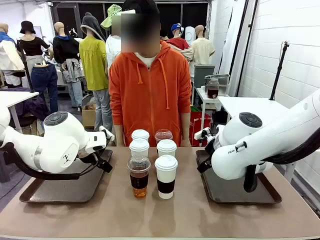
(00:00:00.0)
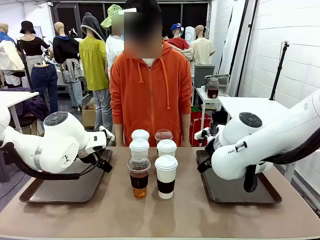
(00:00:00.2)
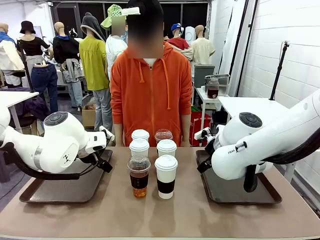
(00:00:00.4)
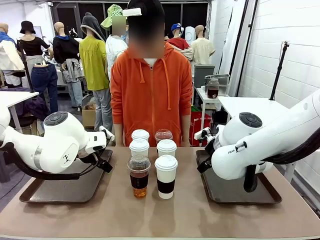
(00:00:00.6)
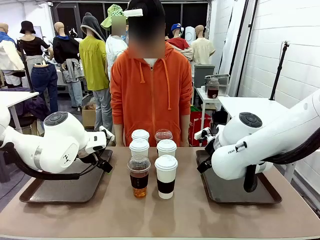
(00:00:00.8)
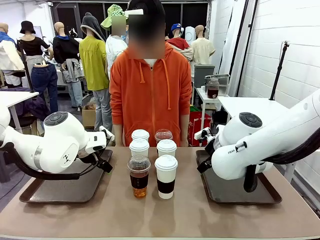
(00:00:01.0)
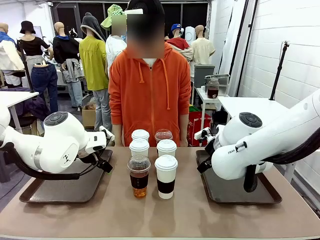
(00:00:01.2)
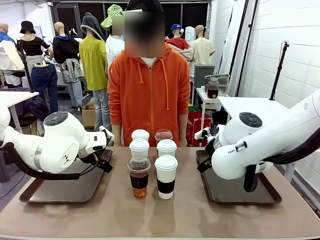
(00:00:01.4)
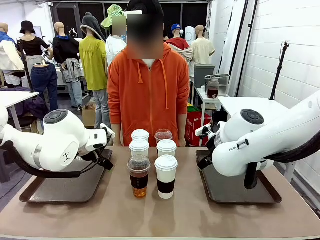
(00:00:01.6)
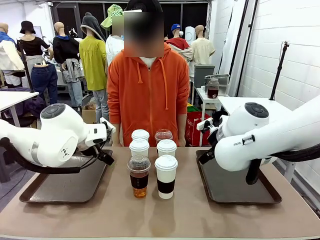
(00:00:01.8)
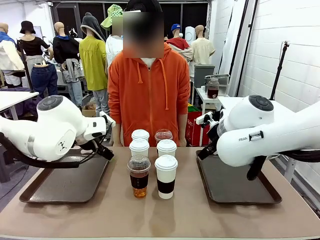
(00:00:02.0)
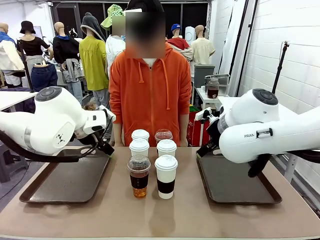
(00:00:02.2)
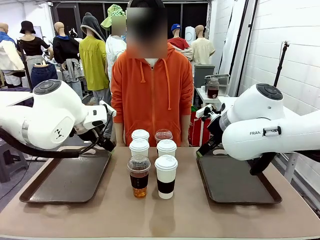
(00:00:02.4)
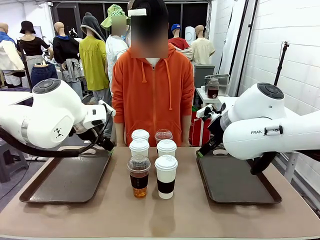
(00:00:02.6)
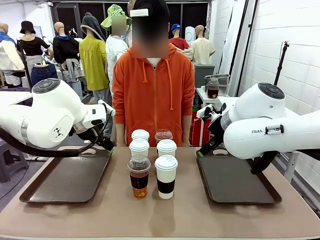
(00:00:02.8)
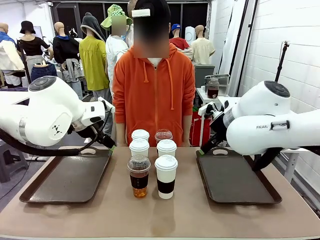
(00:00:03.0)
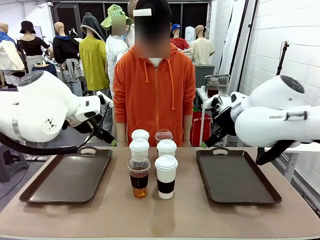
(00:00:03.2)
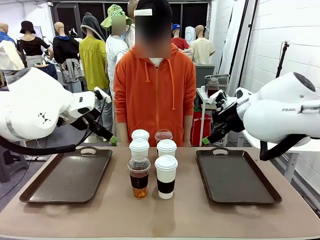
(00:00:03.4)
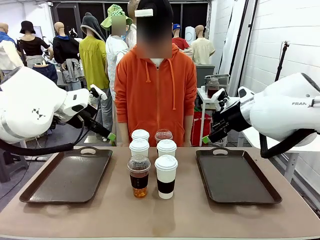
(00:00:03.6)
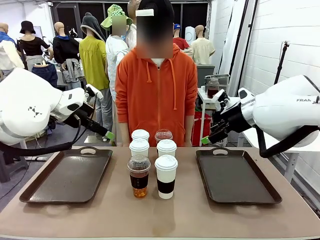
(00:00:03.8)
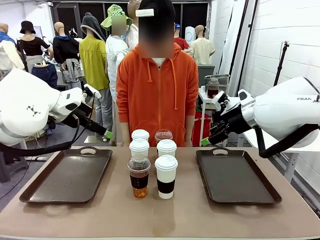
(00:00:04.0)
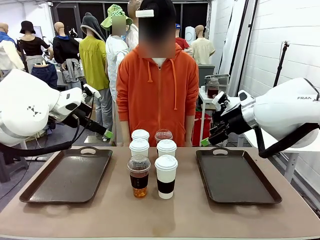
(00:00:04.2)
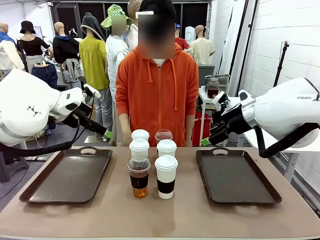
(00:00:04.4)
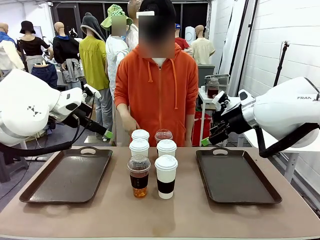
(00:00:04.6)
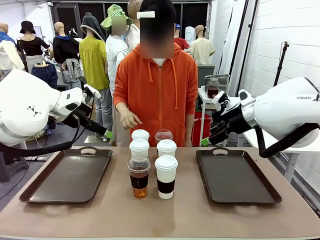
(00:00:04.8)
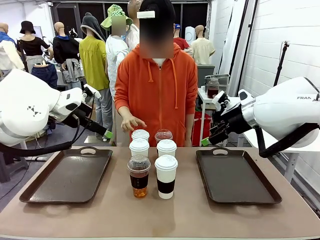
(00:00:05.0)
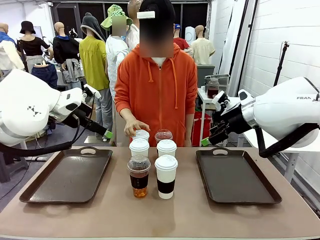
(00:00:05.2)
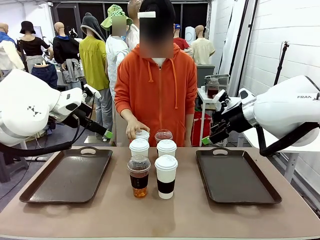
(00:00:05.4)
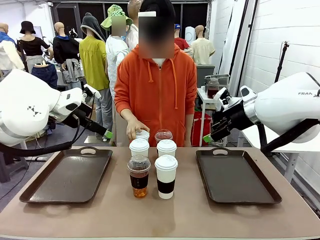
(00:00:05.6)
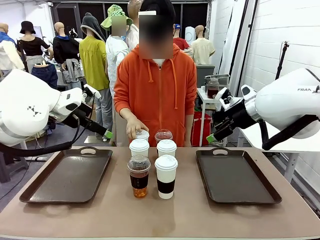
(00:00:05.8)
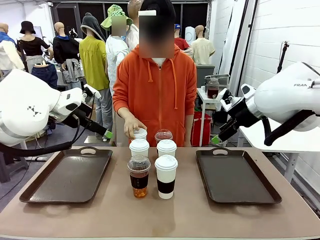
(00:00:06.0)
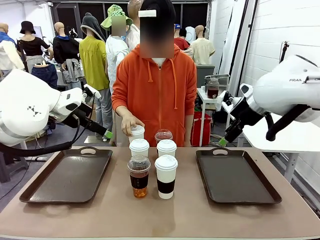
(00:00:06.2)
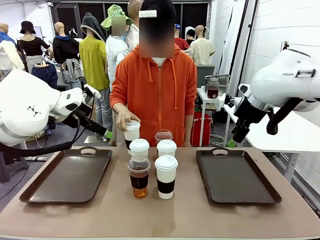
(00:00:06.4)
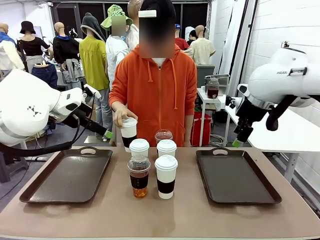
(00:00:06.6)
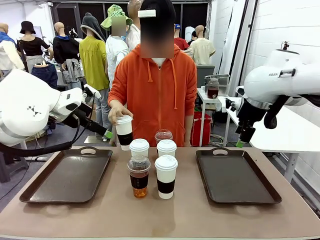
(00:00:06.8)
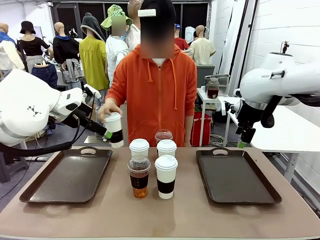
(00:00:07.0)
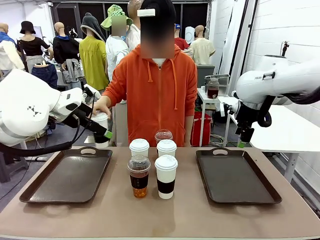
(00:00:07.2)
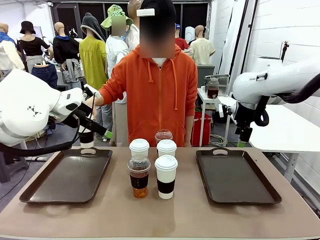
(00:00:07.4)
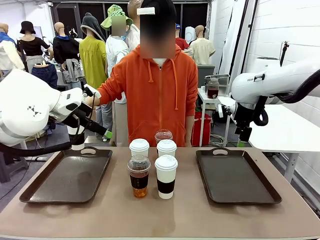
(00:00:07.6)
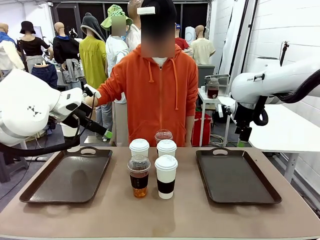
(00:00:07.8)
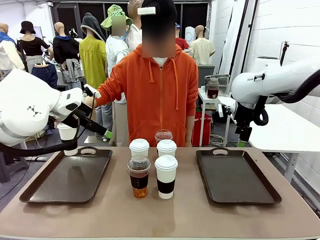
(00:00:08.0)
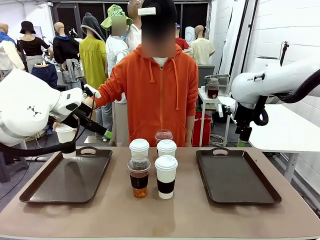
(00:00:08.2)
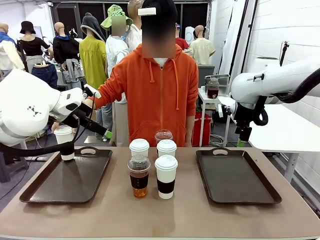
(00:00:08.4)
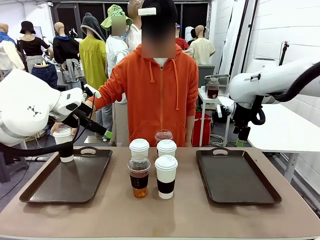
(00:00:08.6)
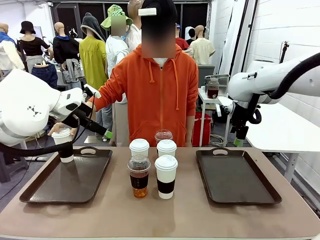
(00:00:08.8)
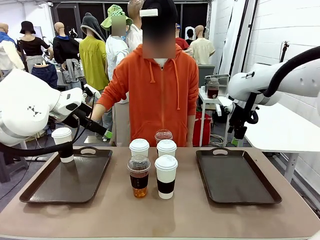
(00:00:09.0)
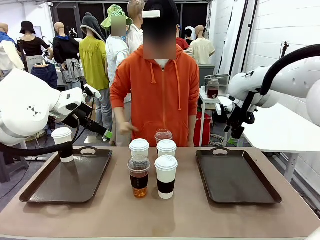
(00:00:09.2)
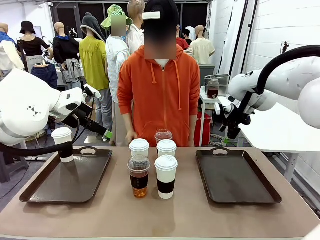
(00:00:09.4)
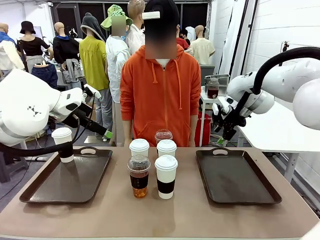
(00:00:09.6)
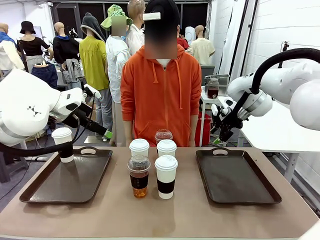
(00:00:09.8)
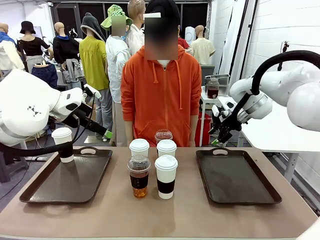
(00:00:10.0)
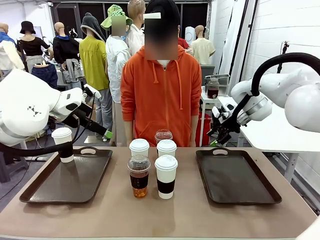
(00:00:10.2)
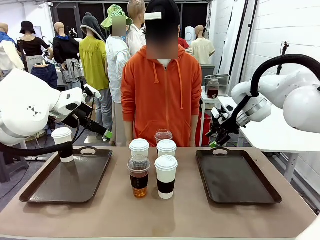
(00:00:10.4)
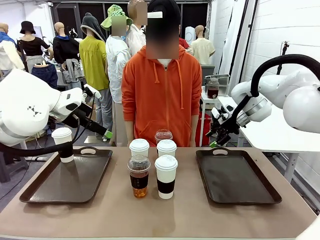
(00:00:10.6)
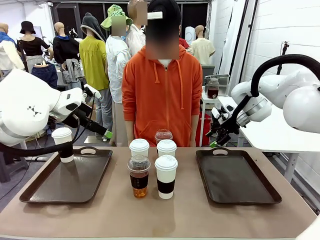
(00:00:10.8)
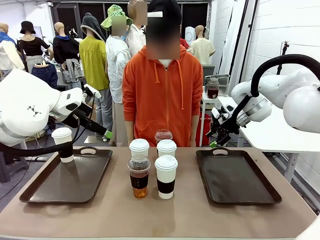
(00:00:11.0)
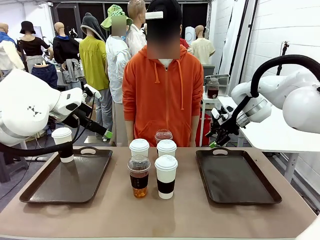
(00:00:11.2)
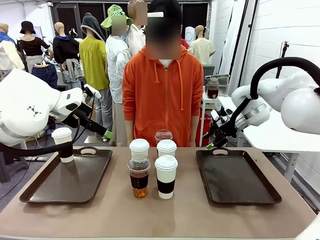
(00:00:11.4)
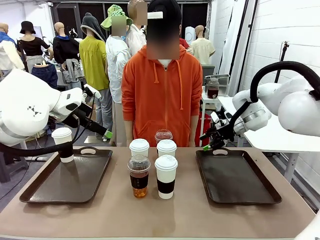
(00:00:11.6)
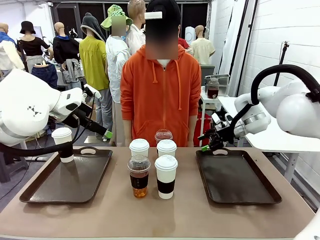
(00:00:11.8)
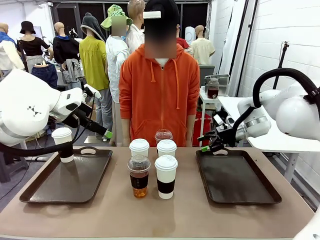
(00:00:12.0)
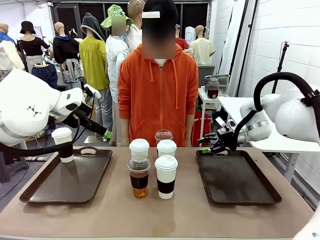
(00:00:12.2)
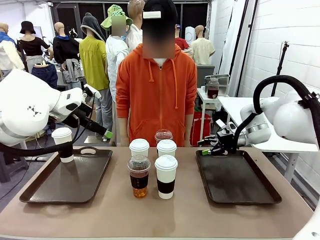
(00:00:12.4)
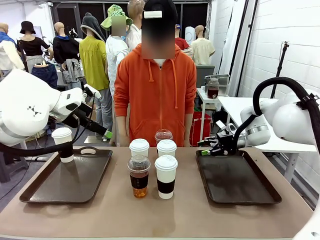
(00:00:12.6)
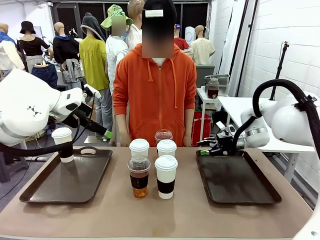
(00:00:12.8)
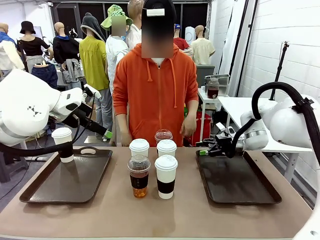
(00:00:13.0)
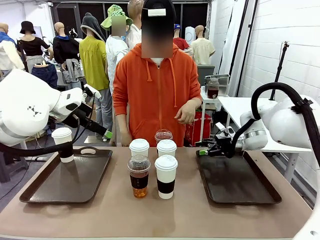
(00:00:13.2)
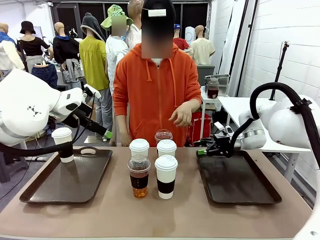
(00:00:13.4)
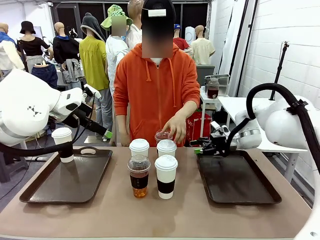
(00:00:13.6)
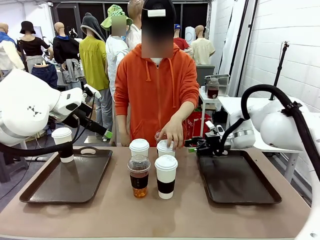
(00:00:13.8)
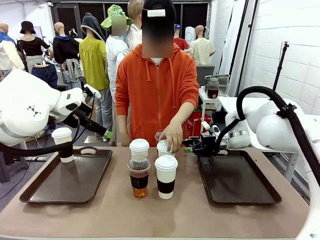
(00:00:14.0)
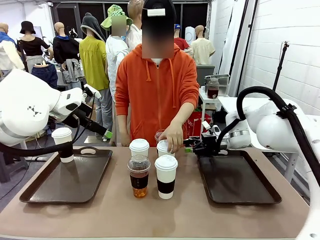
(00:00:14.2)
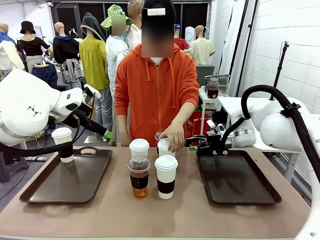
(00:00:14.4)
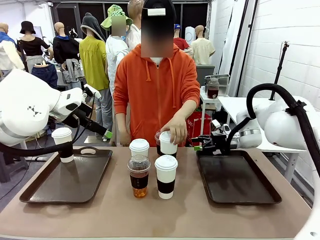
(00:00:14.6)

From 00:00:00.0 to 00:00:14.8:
Task: Distribute the coffee onto the tray.
Robot: Pick up one iced Americano and place it on the right Handle tray.
Person: Pick up a cup of hot Americano and place it on the right tray.
